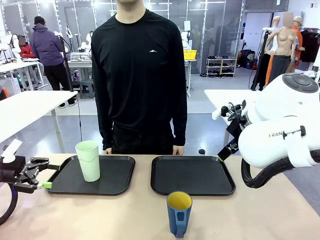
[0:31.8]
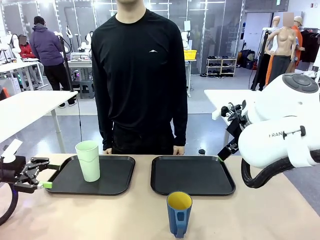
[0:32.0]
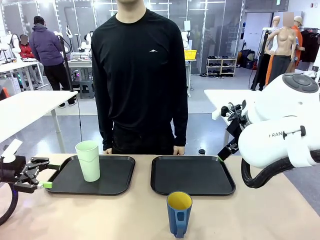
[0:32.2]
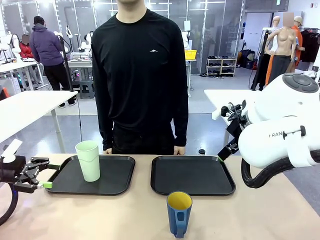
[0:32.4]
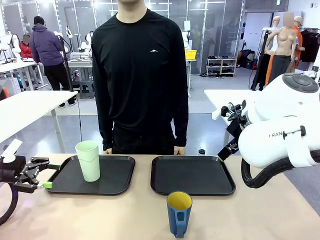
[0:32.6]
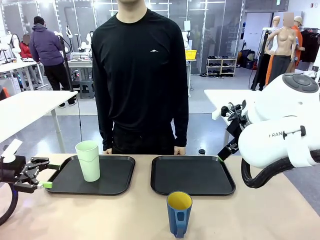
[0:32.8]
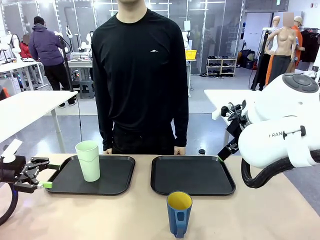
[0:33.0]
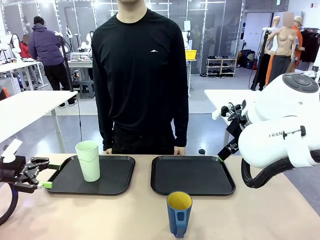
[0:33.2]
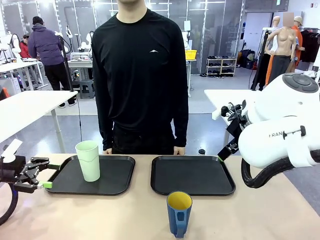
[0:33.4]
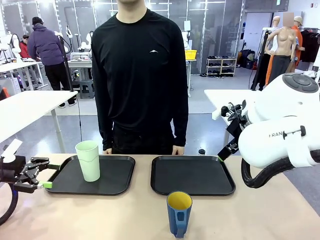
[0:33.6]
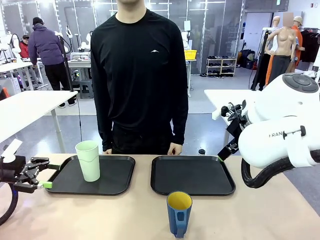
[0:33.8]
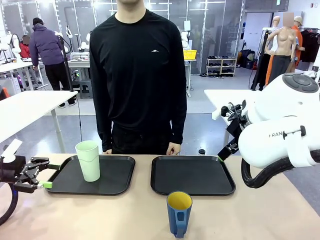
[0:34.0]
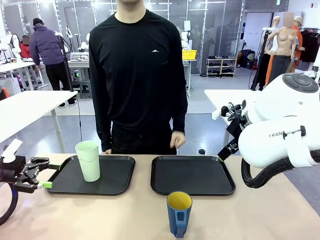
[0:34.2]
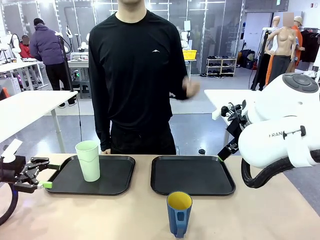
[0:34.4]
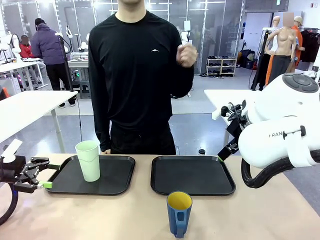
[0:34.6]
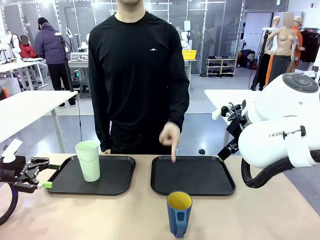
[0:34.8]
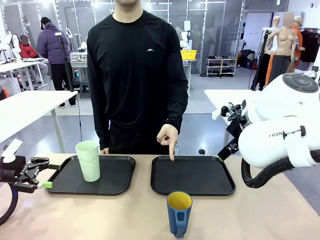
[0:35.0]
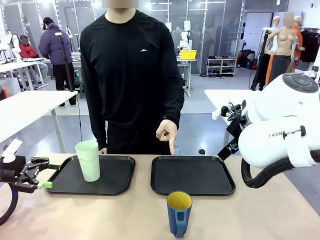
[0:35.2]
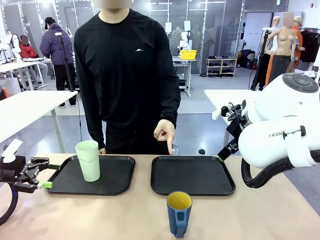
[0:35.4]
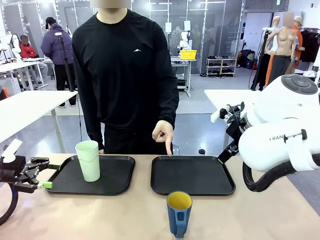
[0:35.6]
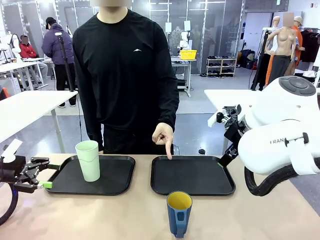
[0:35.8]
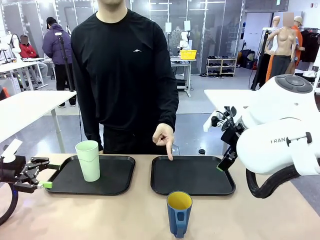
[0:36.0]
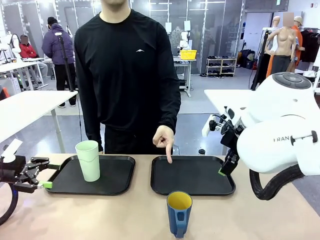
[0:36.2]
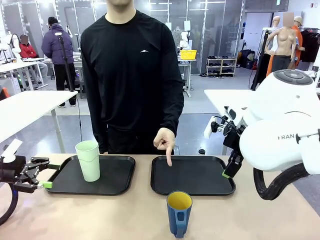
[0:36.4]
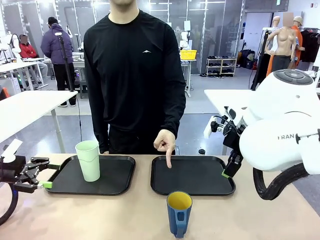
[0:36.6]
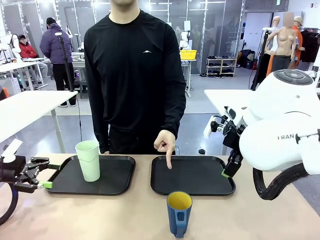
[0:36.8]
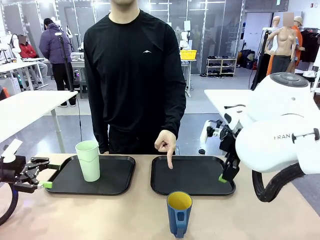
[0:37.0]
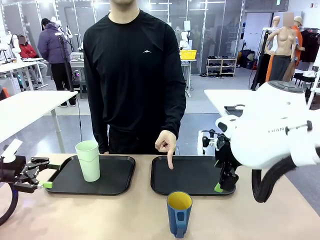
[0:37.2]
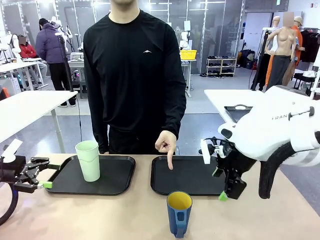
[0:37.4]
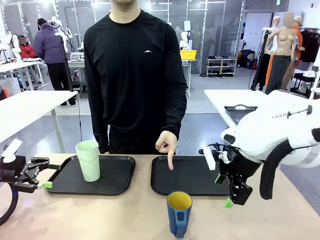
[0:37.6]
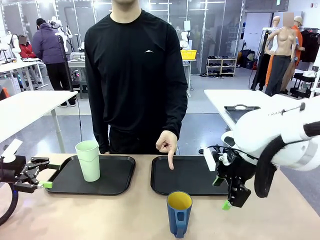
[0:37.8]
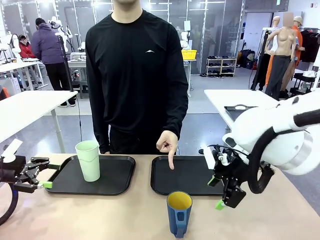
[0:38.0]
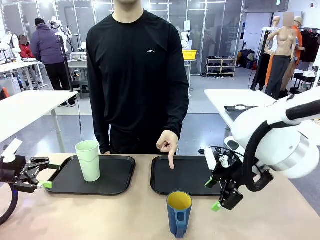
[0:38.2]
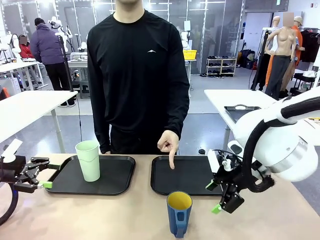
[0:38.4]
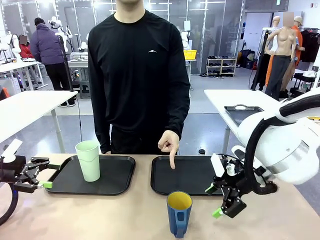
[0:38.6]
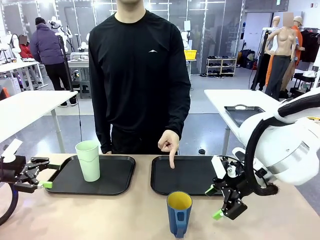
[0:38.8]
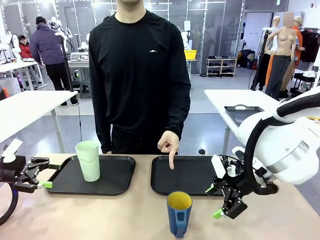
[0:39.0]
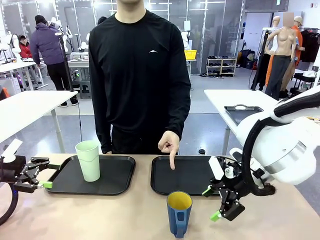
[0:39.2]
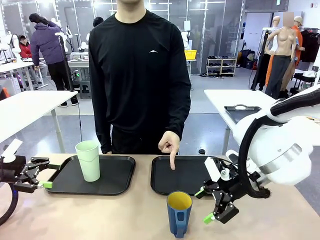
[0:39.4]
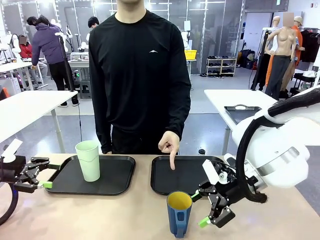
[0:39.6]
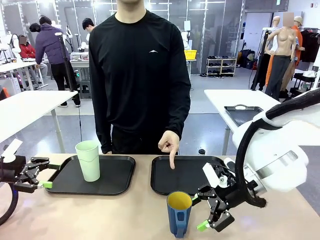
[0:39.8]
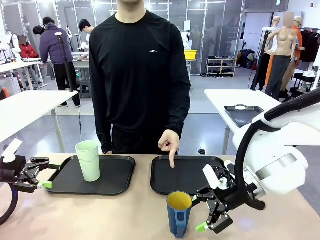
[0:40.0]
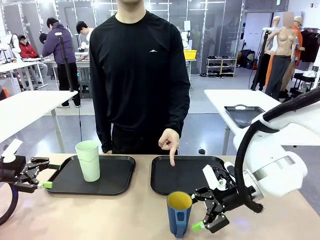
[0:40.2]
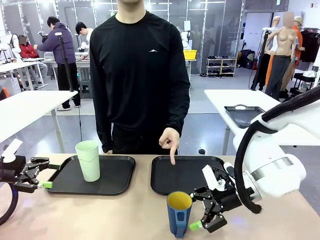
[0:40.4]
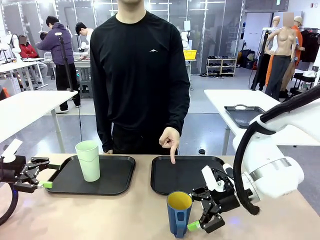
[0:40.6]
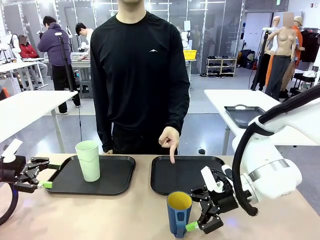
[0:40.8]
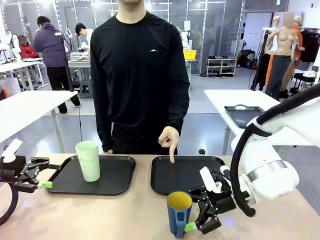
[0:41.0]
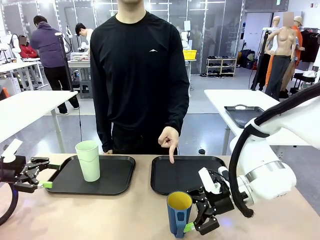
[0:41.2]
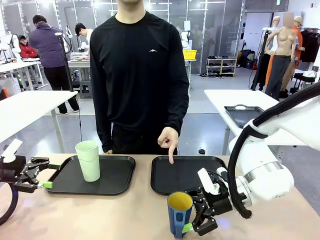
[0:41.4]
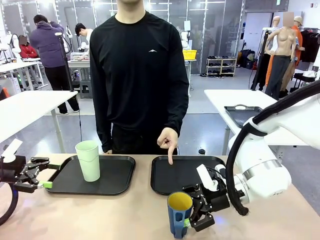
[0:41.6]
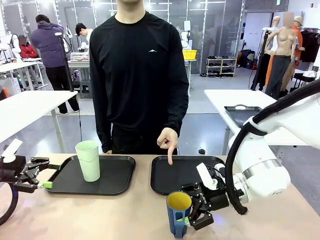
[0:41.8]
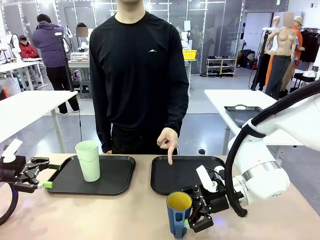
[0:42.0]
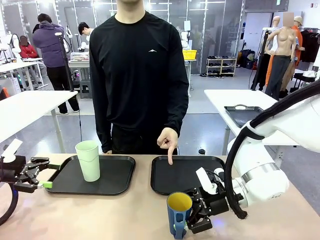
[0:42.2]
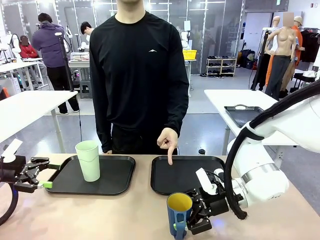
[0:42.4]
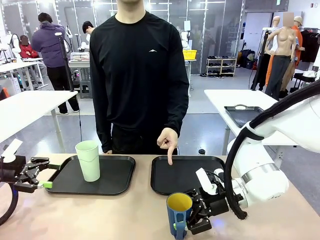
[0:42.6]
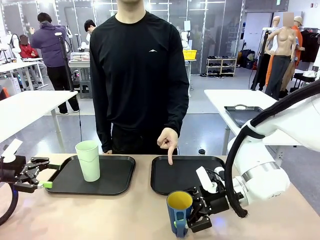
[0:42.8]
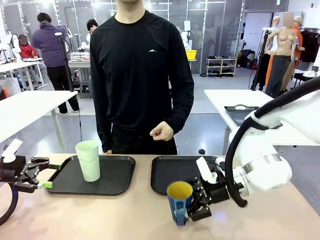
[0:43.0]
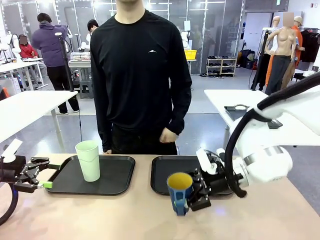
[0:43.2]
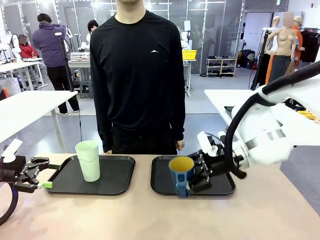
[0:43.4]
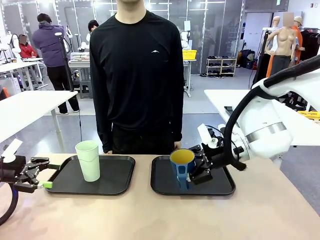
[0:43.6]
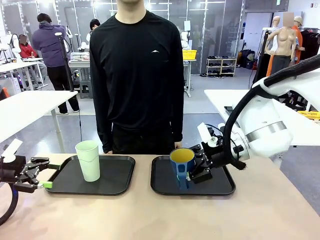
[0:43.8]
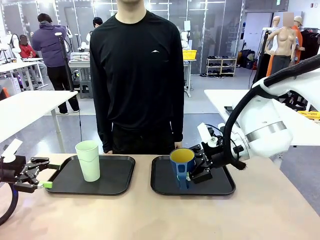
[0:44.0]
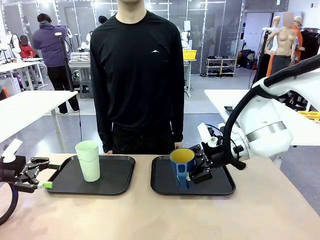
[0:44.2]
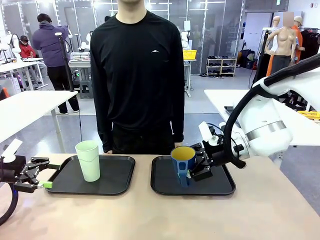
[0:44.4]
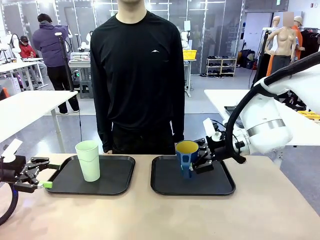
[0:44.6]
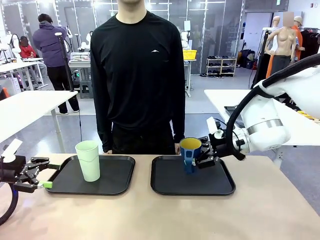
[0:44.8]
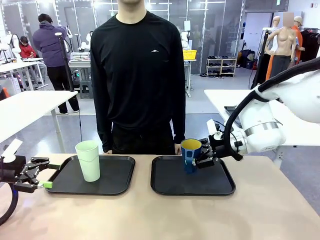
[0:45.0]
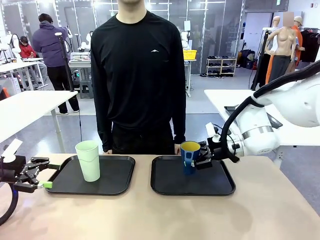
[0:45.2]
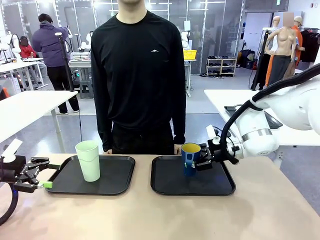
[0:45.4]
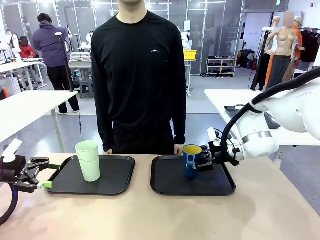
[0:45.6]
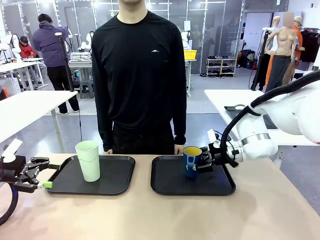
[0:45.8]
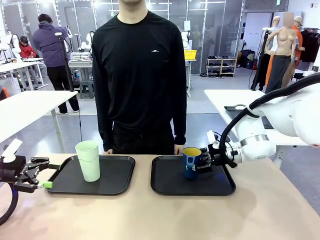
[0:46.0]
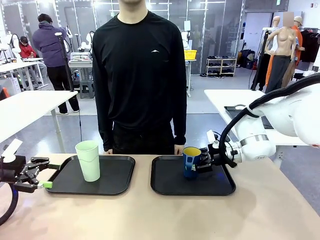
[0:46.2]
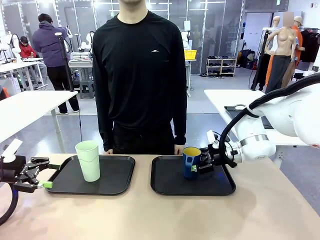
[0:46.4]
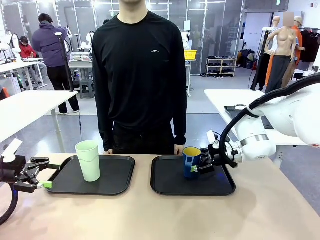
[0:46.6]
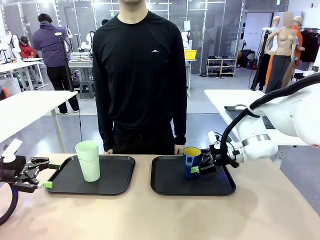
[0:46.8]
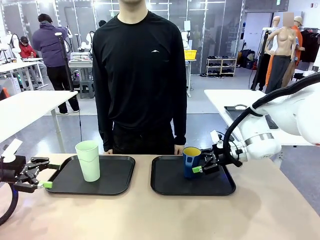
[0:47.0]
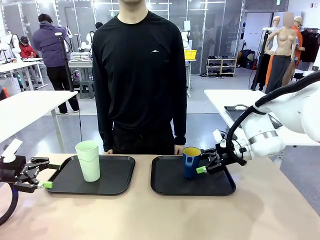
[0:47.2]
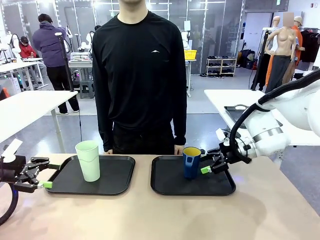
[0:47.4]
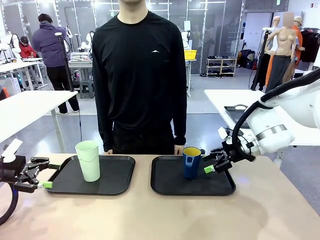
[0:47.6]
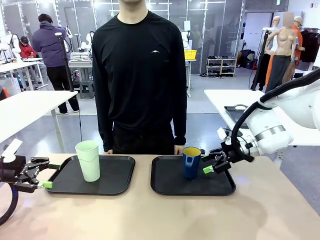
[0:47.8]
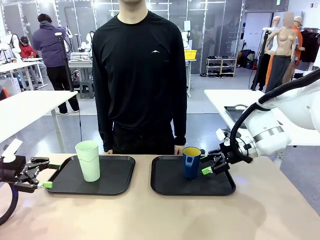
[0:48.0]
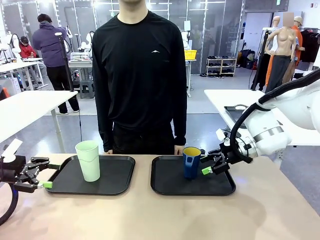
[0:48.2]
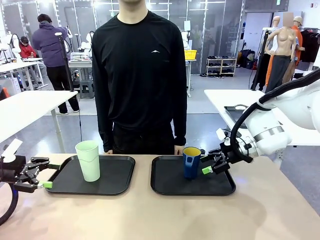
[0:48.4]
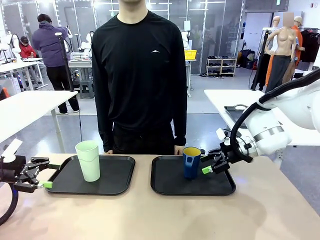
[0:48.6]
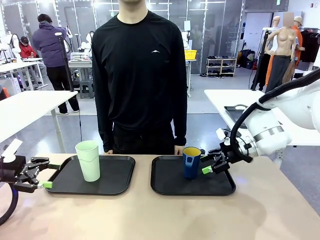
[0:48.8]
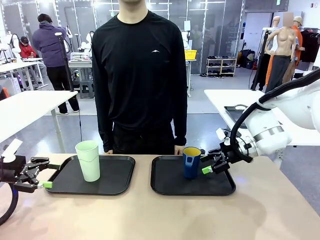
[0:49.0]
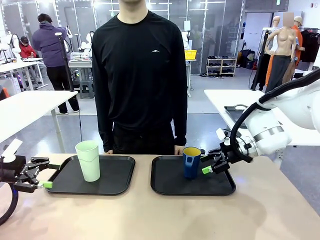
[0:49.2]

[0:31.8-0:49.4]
Task: Sort and store the cups by type.
Robot: Pick up the Handle plastic cup and place it into the empty Flat Tray.
Person: Points to the cup with a handle.
